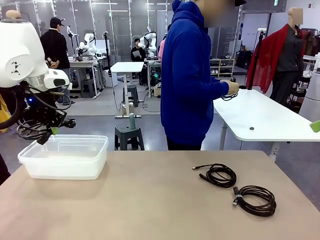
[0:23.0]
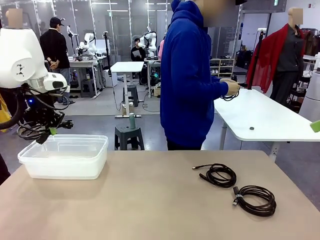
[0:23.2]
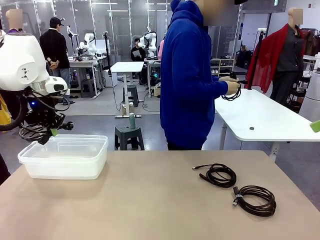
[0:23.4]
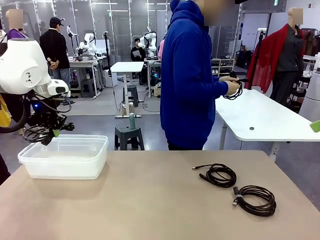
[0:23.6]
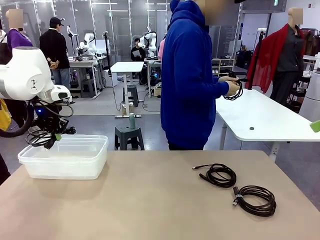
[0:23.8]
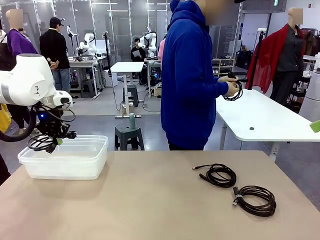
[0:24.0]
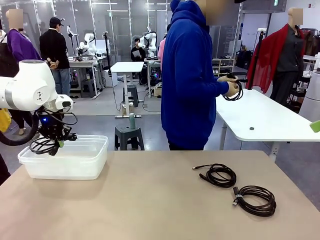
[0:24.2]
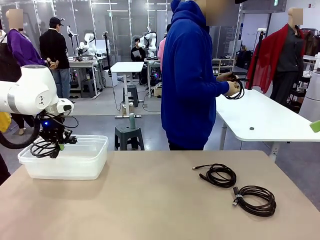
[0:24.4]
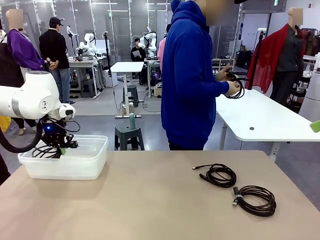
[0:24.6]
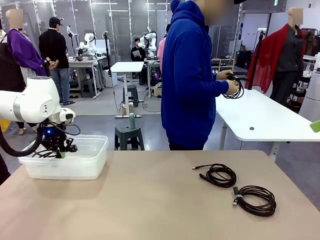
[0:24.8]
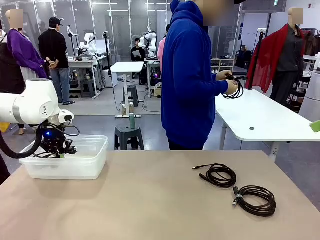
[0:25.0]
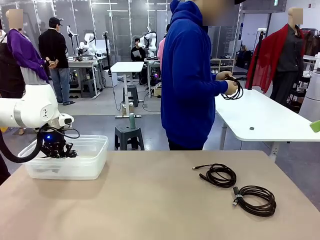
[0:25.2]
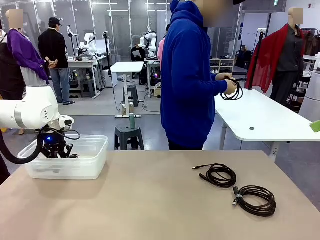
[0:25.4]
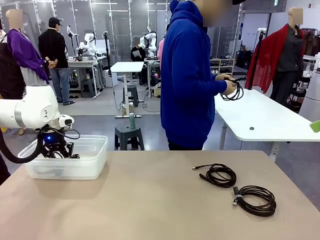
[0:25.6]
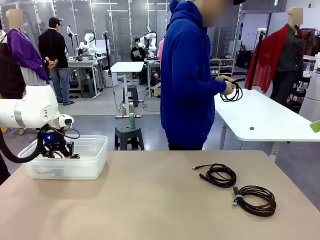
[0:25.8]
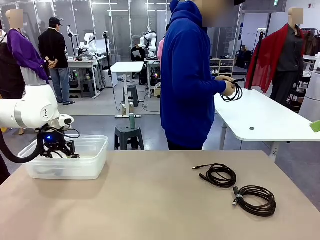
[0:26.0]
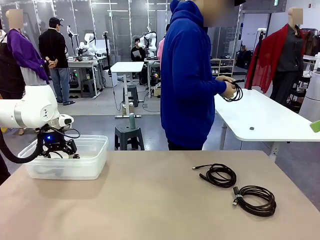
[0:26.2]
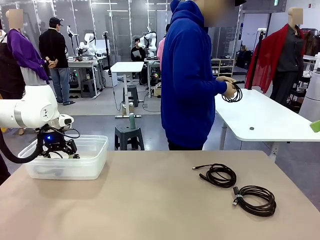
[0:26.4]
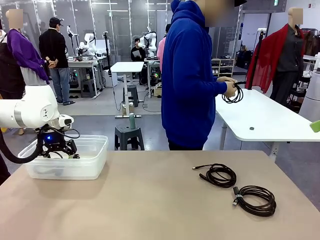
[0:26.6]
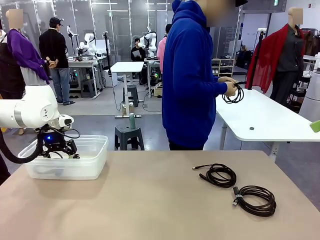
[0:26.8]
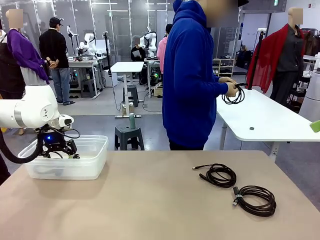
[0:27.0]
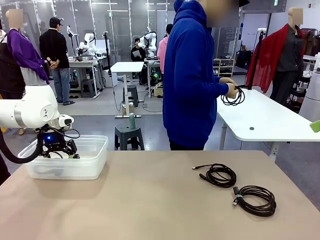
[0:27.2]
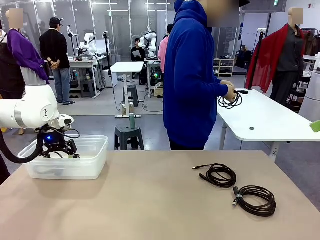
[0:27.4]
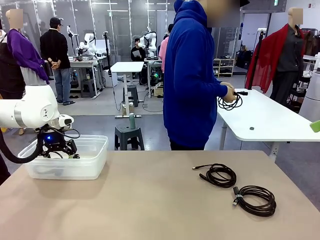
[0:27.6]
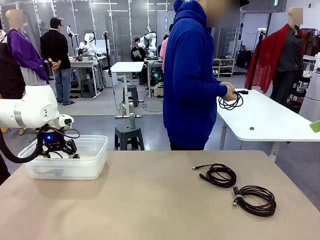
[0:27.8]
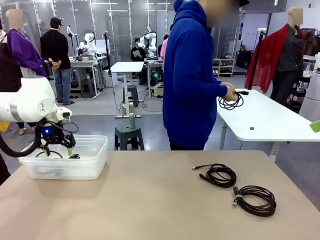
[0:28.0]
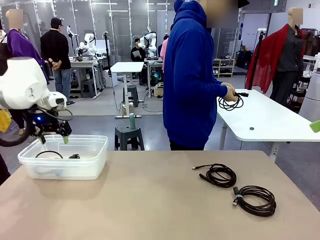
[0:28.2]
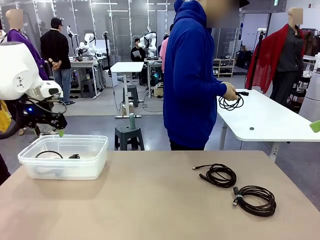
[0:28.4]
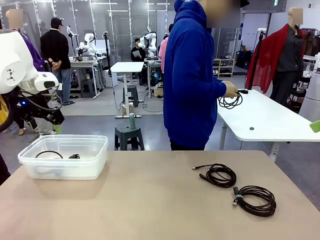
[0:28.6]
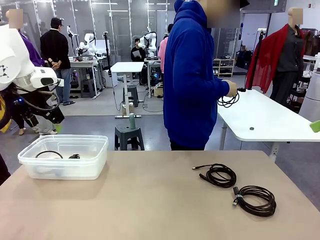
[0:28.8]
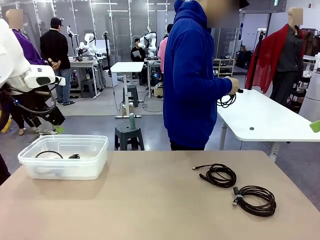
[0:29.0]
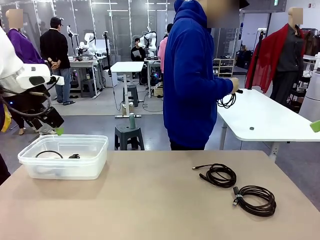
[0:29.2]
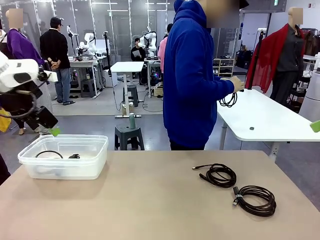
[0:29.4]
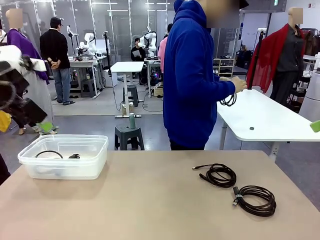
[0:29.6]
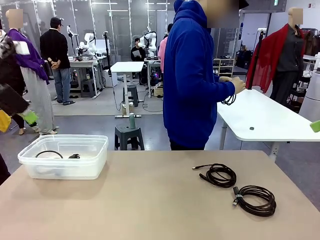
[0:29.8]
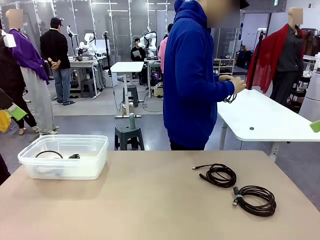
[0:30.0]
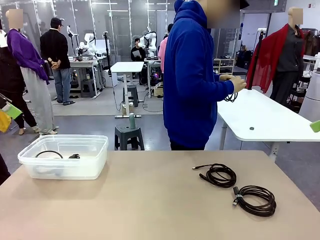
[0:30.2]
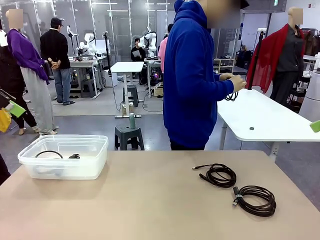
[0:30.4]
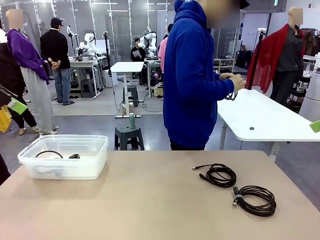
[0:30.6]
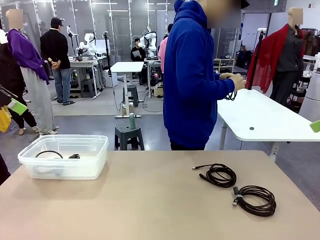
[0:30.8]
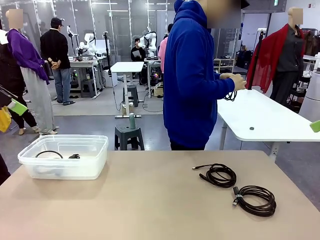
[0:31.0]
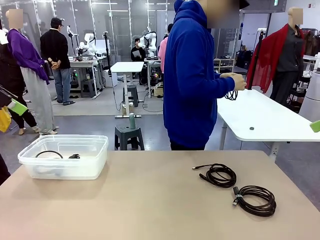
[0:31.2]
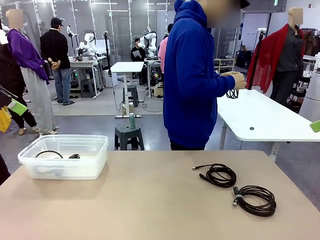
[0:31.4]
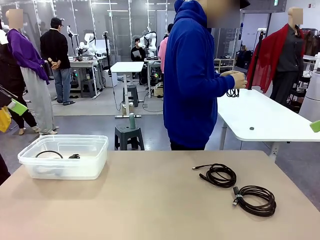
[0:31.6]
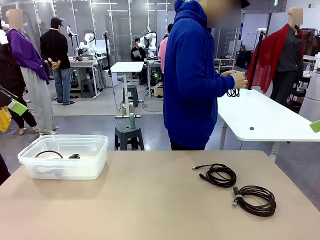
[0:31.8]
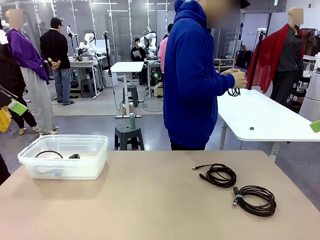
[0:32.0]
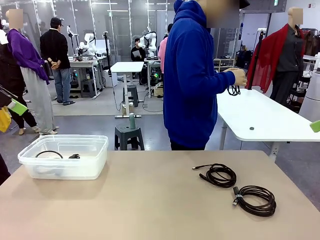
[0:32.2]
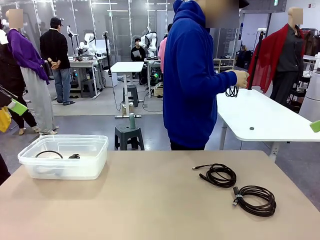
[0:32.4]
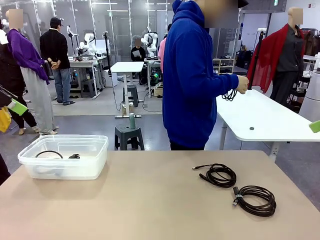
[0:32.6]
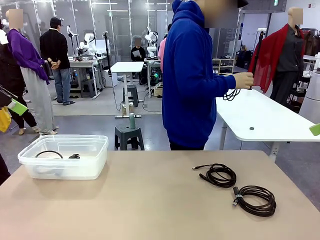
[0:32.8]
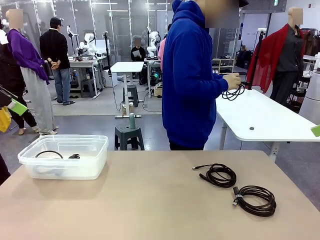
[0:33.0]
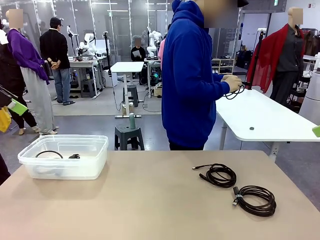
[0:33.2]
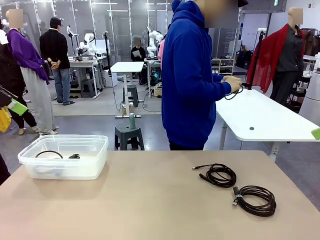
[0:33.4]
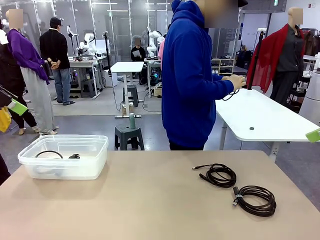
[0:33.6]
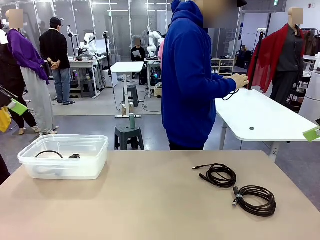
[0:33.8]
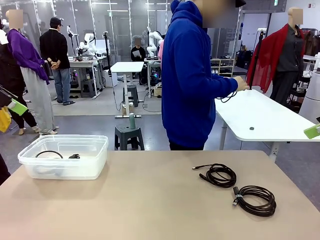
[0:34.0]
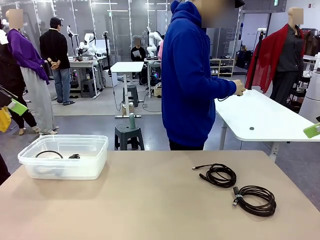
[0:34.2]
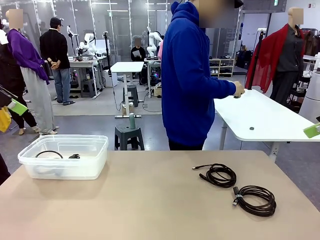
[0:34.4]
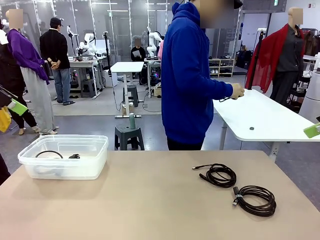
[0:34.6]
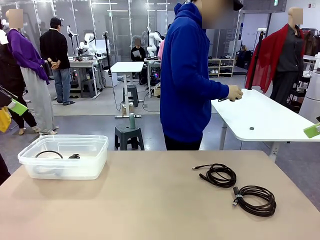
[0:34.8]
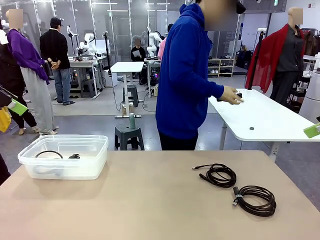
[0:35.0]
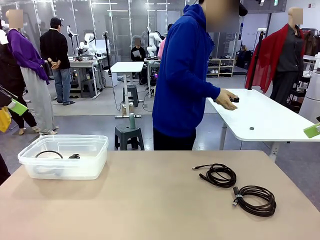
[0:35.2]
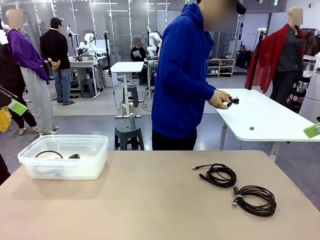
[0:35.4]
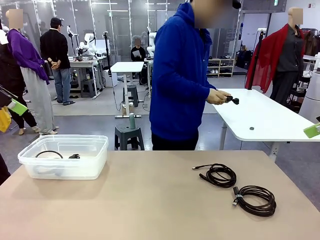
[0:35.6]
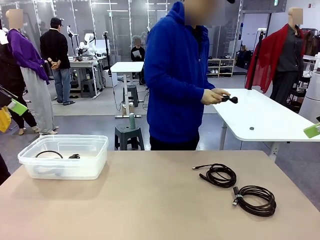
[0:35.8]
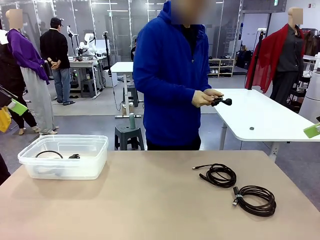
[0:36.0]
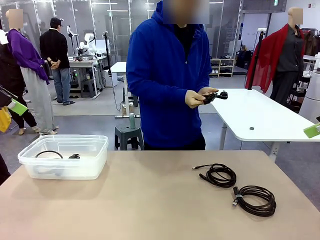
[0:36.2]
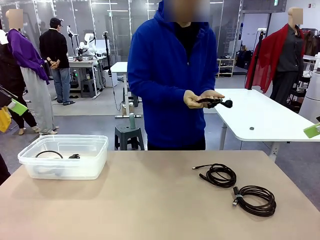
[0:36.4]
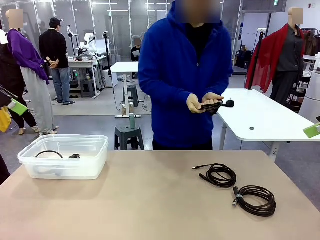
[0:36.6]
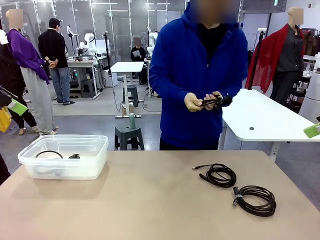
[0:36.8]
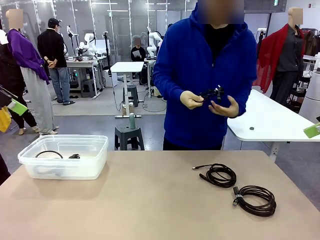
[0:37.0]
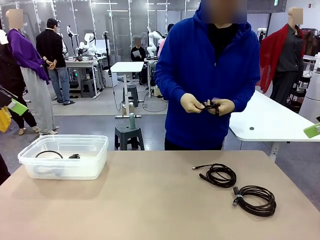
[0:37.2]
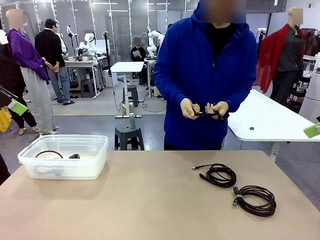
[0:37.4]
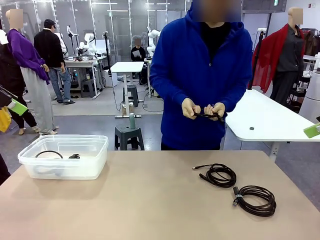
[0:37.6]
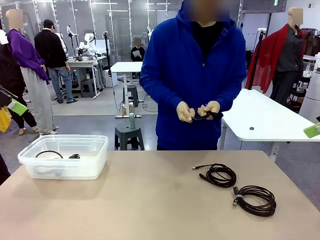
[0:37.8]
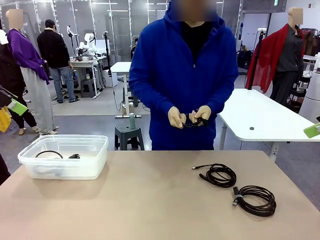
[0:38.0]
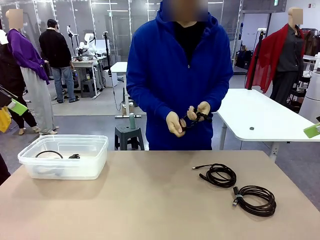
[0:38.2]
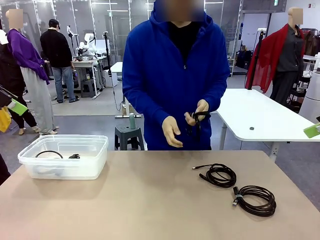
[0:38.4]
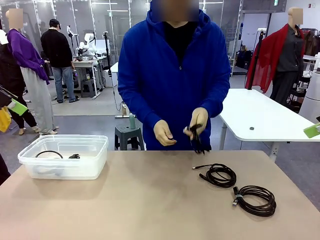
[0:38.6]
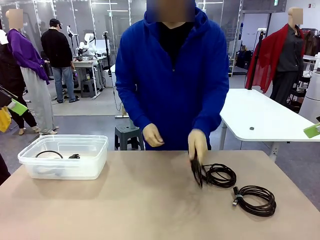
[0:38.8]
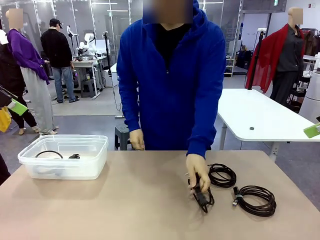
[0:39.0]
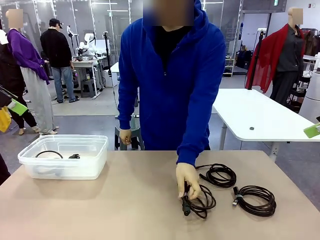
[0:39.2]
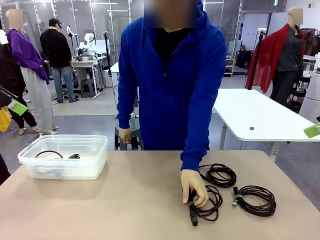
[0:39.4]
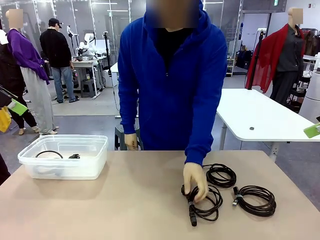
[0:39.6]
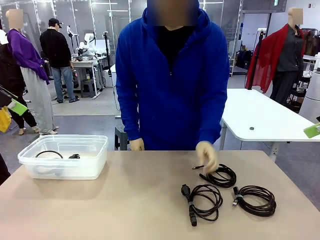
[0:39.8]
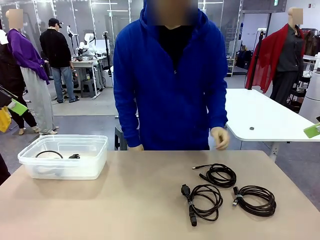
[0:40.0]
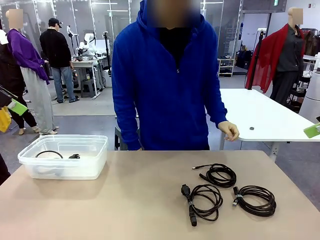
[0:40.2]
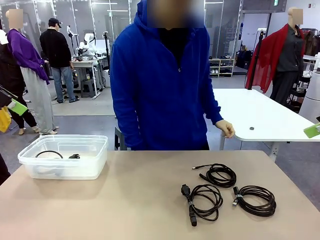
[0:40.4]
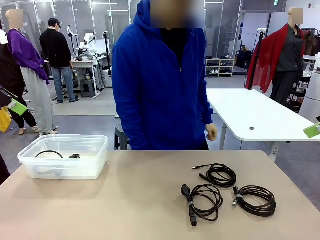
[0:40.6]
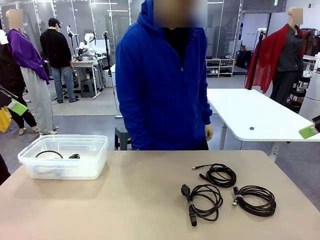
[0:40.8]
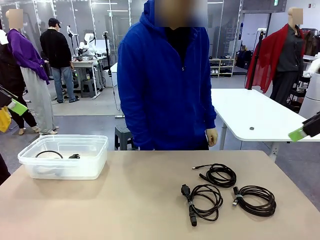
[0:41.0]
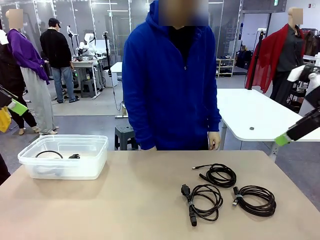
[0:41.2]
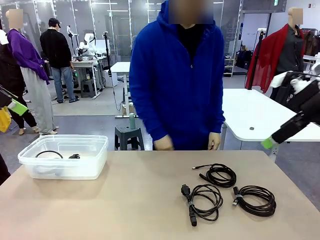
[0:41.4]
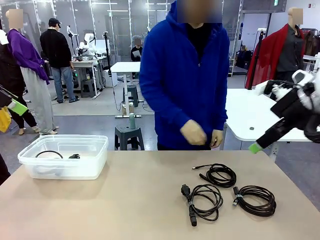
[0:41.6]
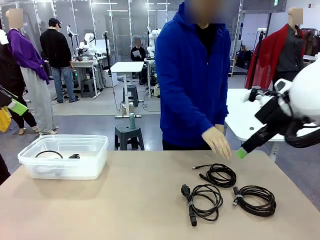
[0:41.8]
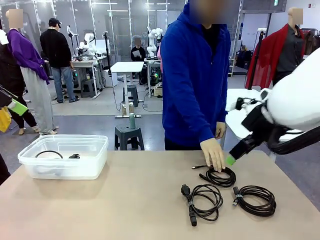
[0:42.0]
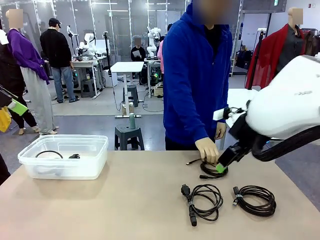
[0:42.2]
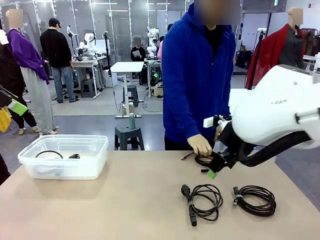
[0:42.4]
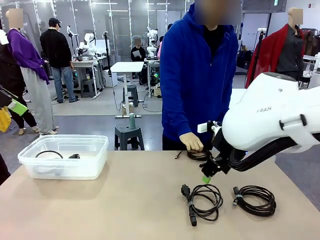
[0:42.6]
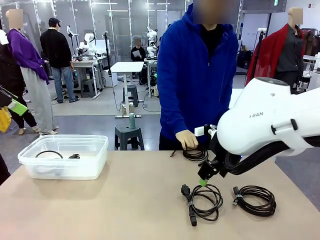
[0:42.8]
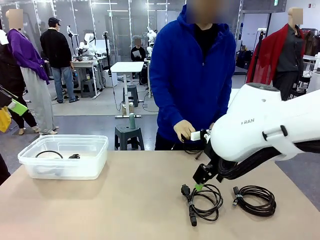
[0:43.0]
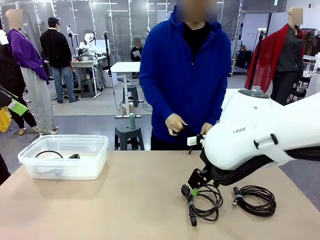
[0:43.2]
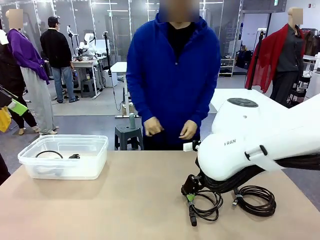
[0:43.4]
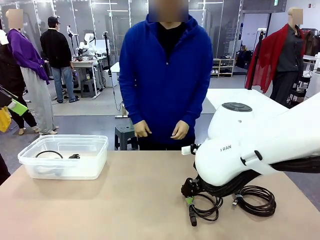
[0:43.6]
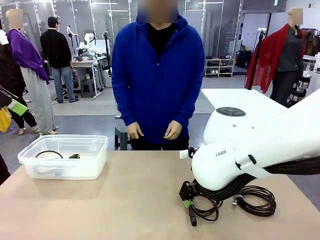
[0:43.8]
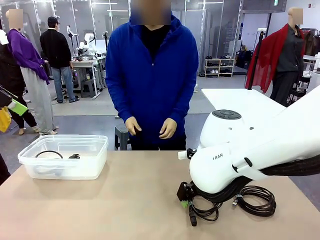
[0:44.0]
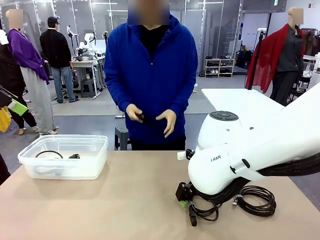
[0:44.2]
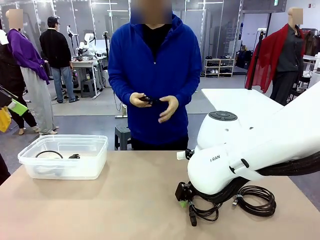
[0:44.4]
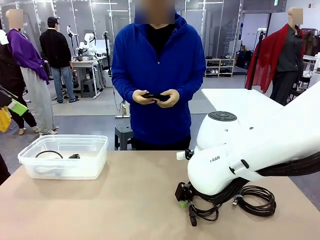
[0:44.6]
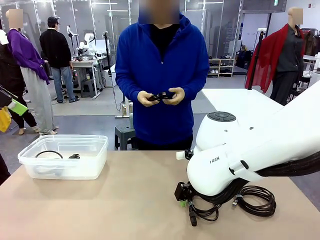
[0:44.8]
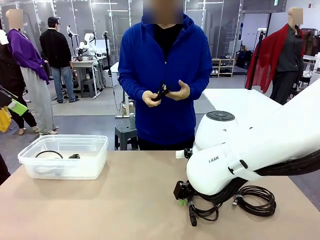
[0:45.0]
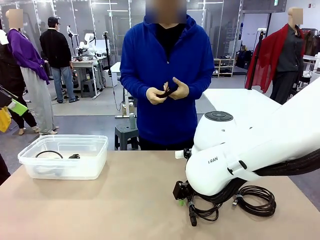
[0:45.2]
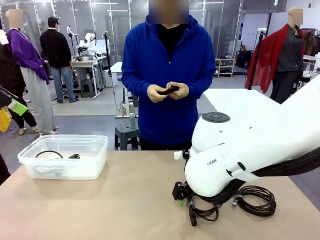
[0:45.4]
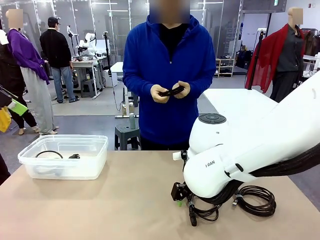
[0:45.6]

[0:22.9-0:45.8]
Task: Organize and store the cables.
Robot: Place the Power Cable into the Organizing box.
